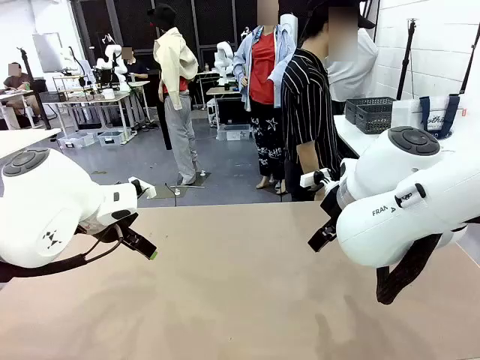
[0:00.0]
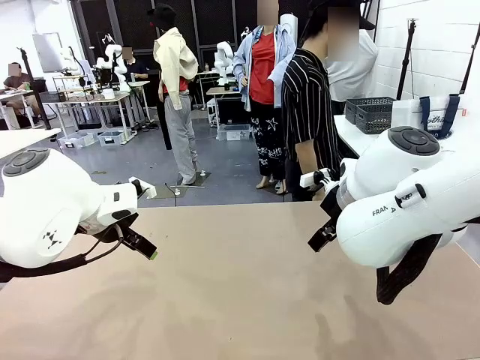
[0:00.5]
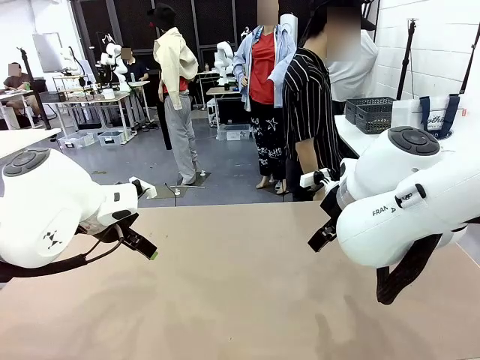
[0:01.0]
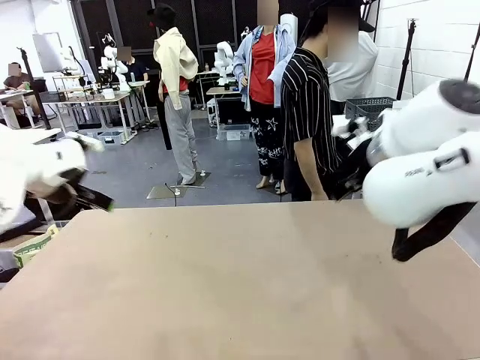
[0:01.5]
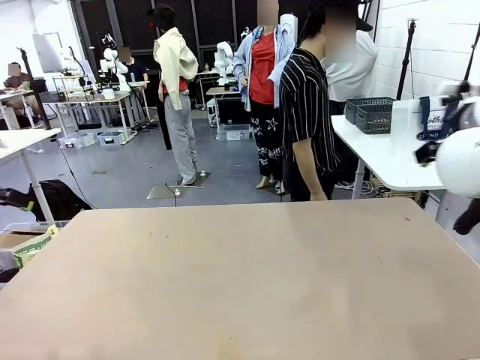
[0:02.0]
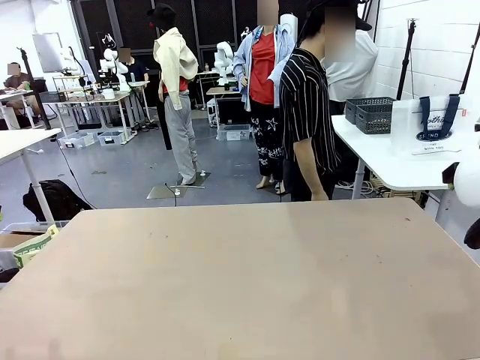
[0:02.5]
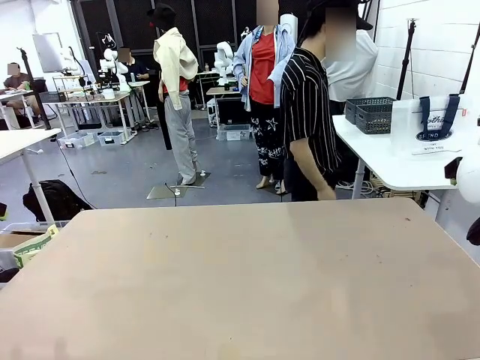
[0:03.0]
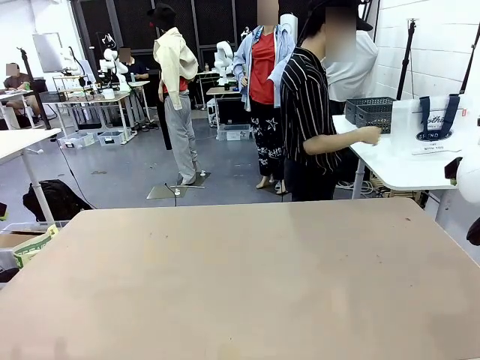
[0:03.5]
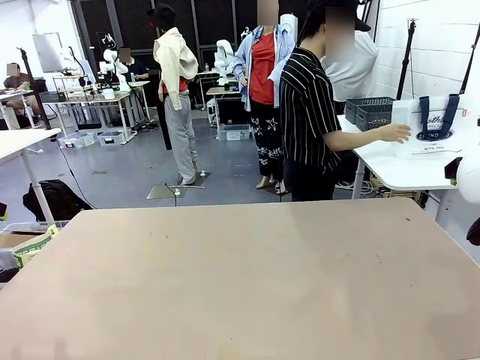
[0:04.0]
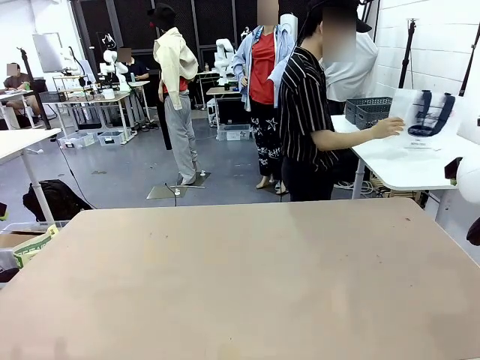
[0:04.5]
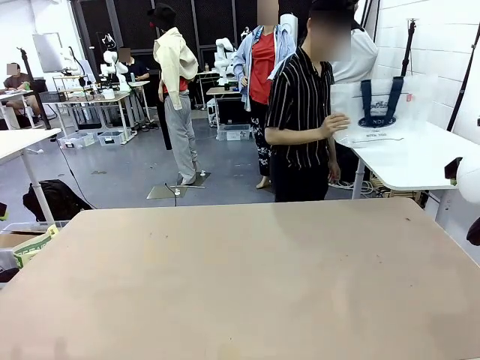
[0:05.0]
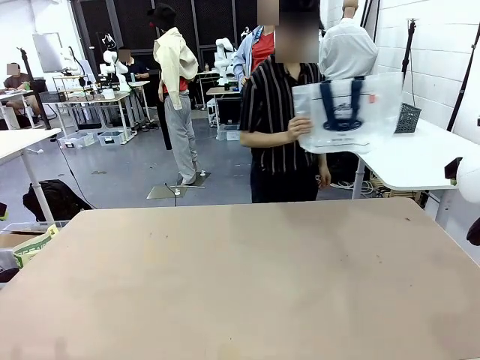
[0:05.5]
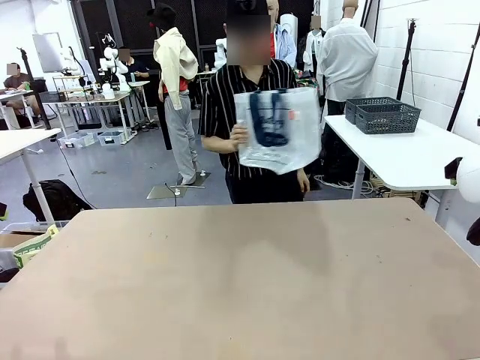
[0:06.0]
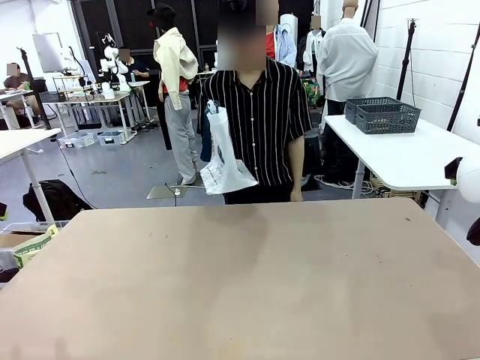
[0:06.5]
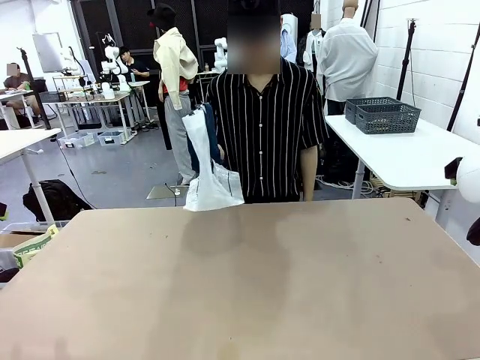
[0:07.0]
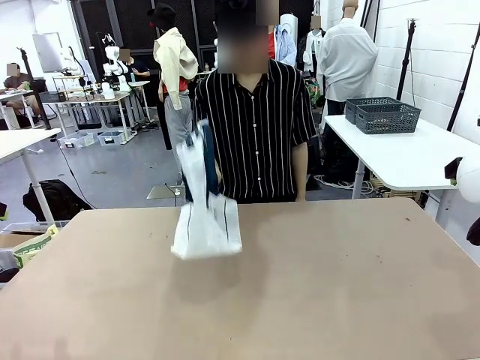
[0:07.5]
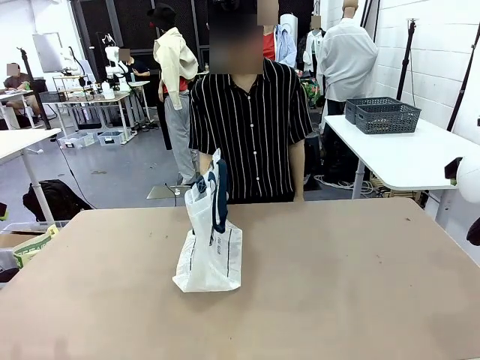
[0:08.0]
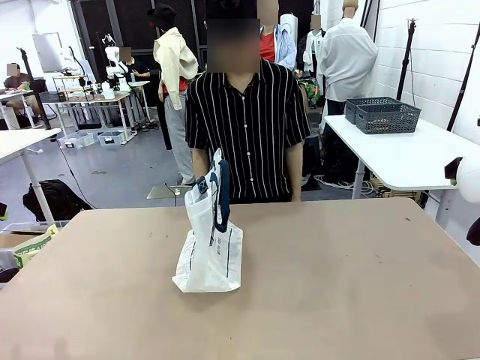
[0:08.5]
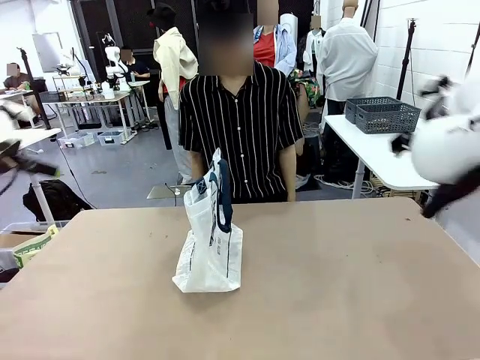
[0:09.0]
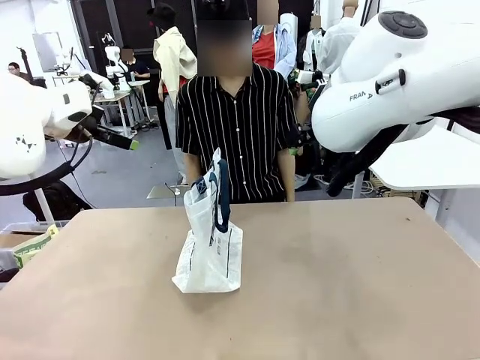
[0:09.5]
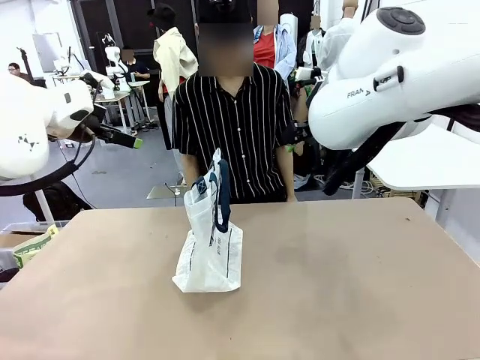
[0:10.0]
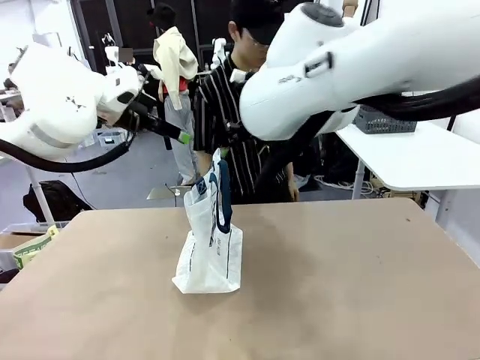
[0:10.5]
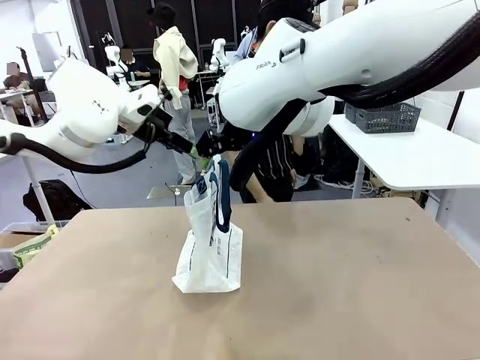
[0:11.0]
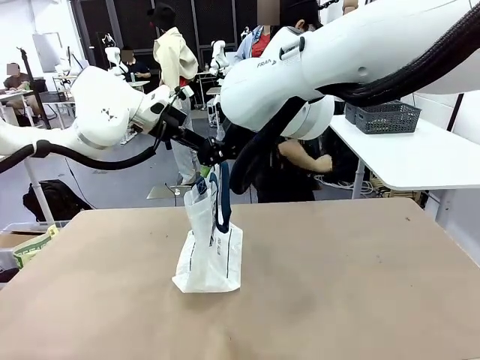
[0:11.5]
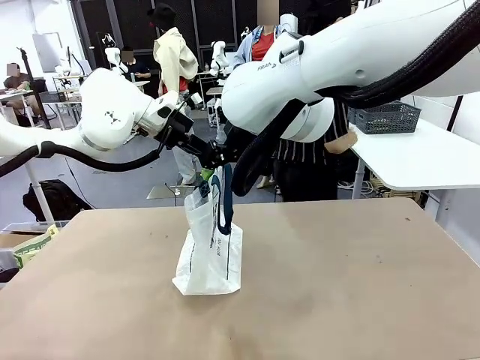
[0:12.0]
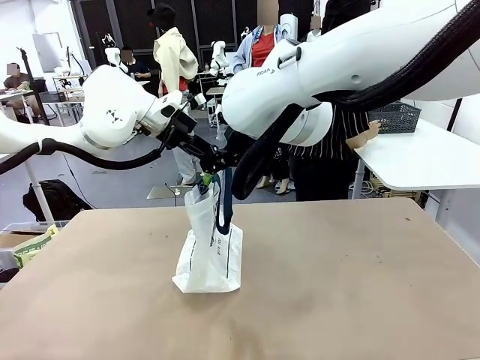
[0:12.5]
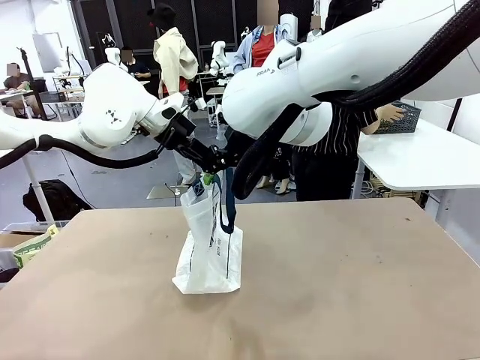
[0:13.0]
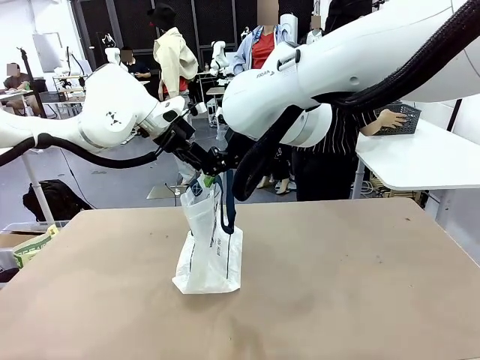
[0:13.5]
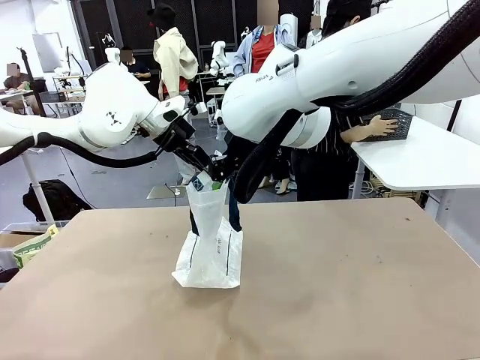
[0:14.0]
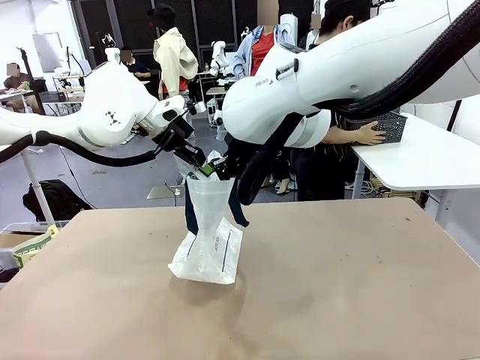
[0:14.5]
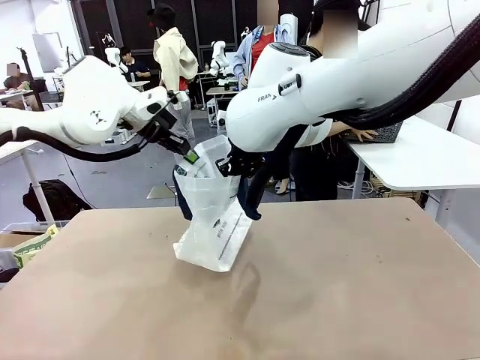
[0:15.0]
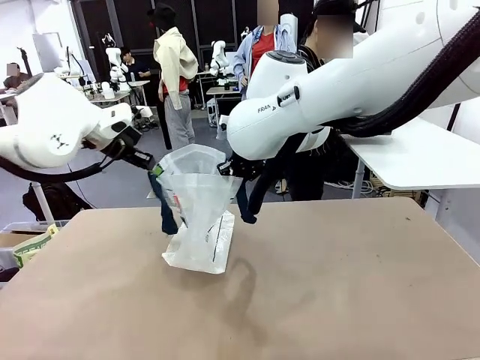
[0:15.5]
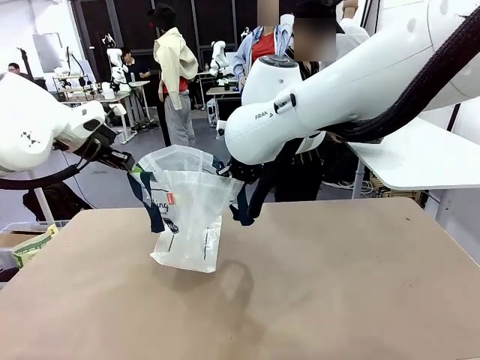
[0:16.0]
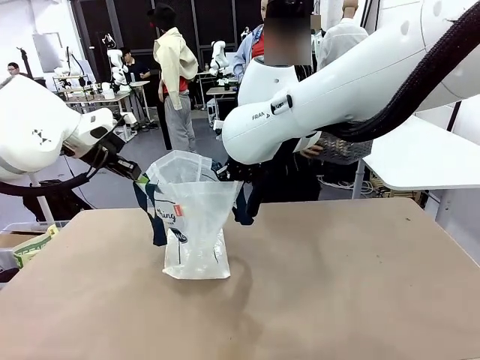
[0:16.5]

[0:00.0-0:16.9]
Task: Transfer purchased items from the store into the shopping bag.
Robot: Open the Reusable shopping bag in the center of the table.
Person: Pick up the shopping bag and place it in the middle of the robot table. Pick up the basket on the right, place it on the left side of the robot table, and move the items in the basket to the shopping bag.
